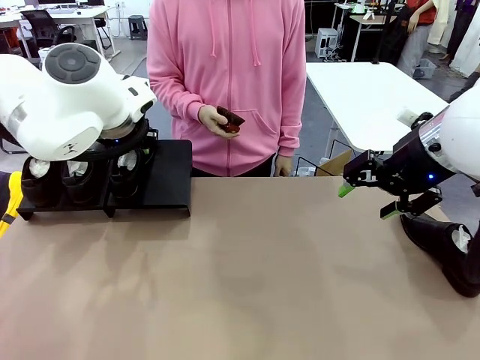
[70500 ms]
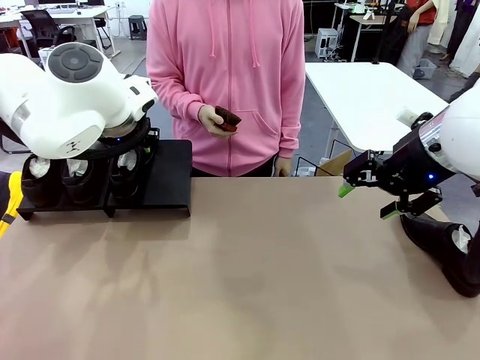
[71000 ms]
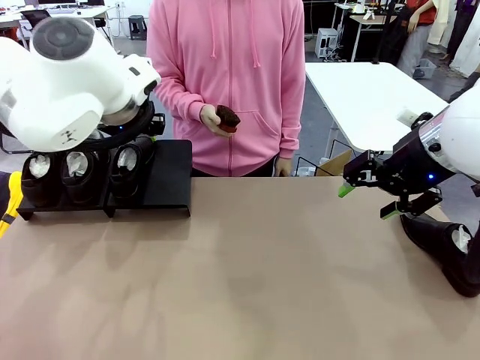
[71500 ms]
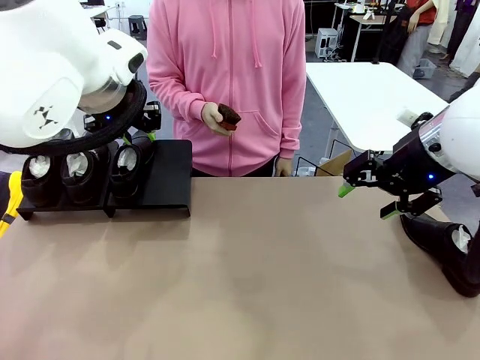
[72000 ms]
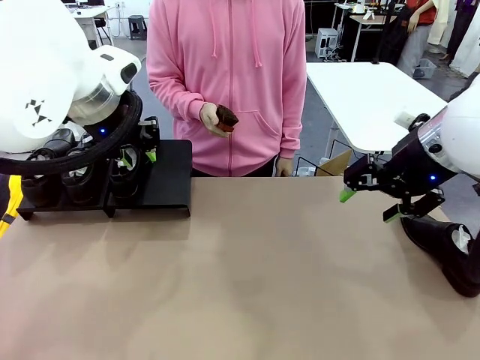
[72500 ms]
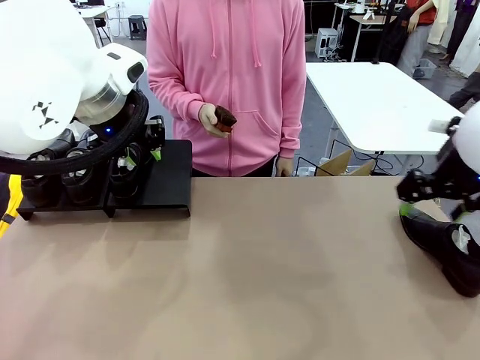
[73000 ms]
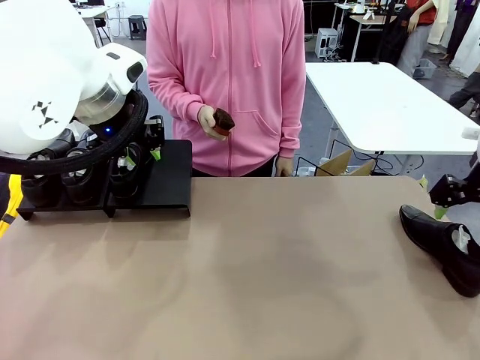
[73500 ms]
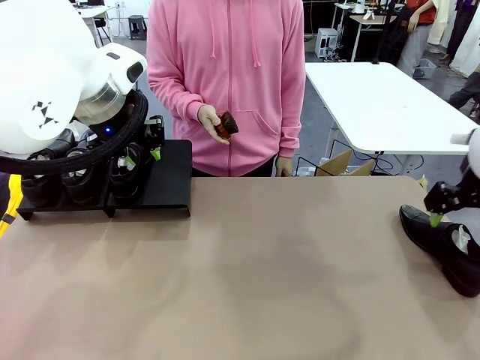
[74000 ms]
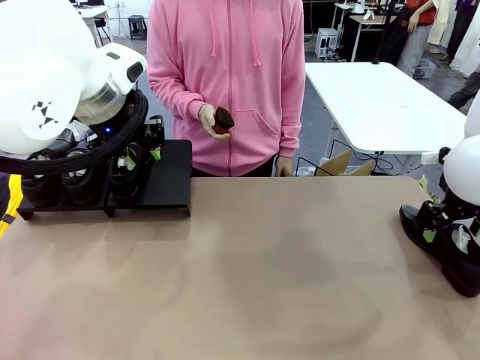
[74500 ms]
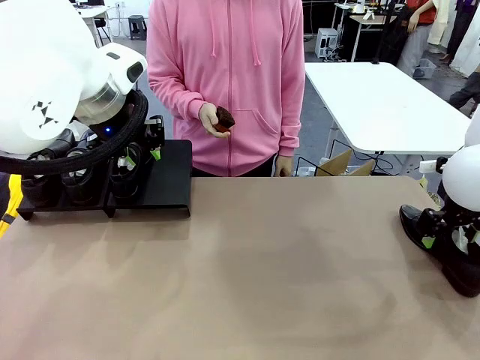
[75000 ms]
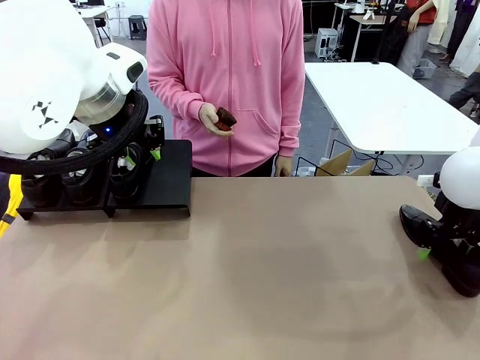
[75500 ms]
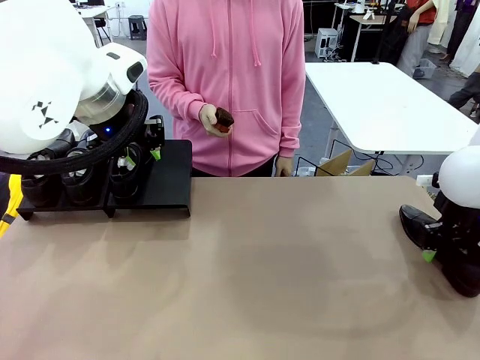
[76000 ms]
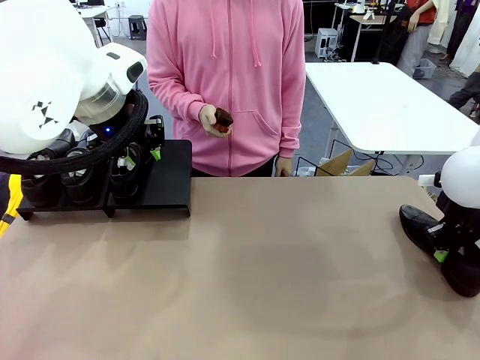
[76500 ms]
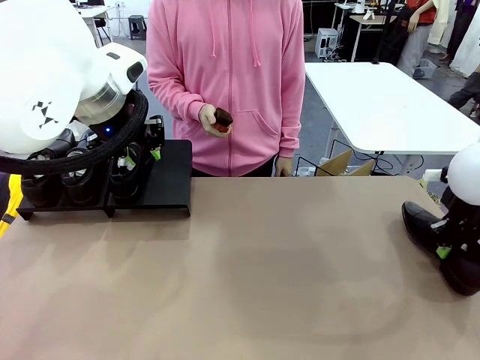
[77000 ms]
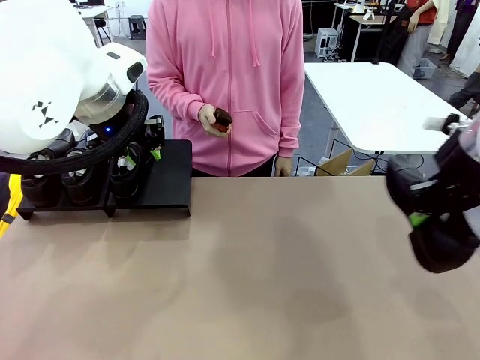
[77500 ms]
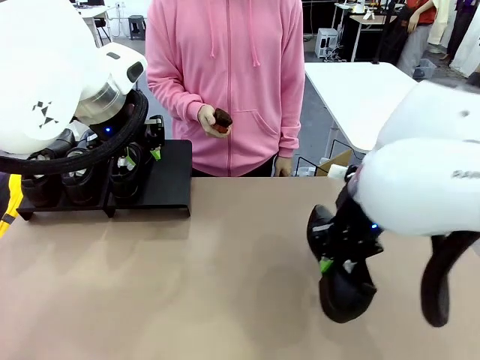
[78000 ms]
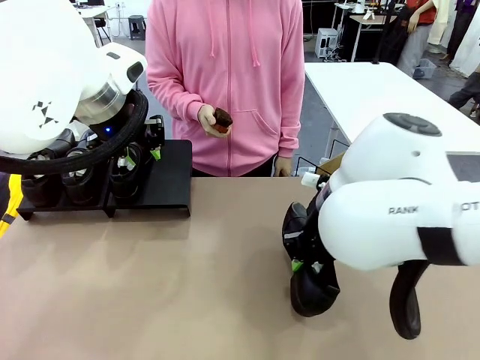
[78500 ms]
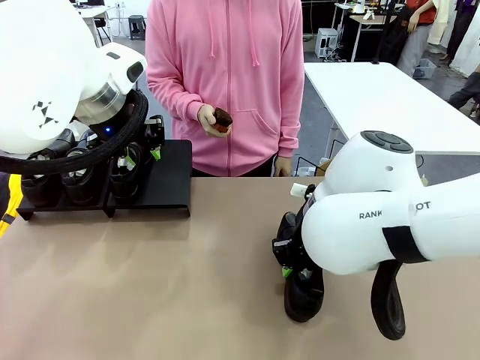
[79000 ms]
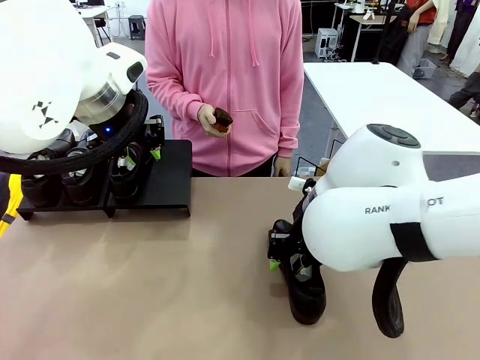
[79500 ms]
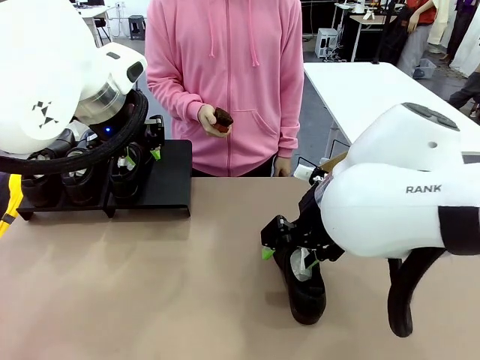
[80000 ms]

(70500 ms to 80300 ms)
Task: Organize the shoes by placing them on the stand.
Robot: Pick up one Shoe and place it in the middle of the table.

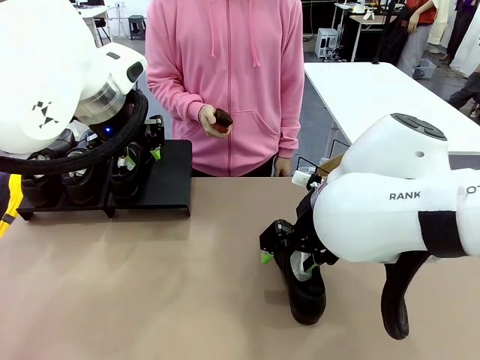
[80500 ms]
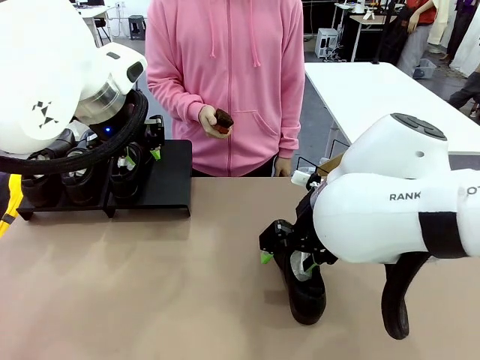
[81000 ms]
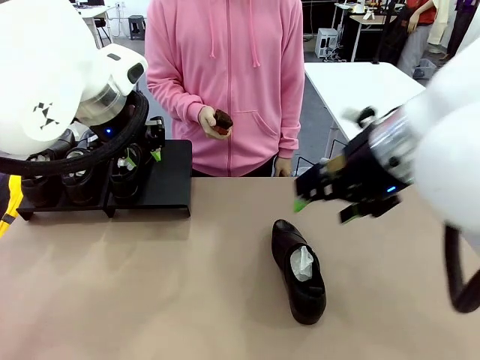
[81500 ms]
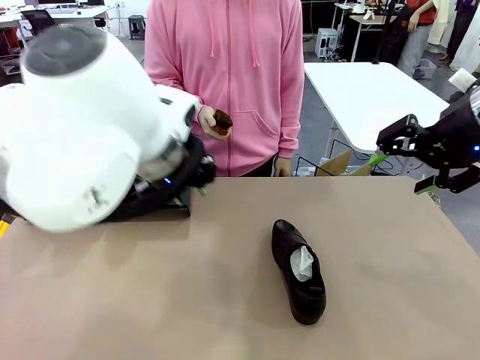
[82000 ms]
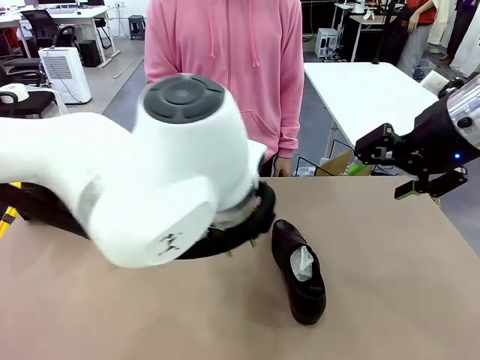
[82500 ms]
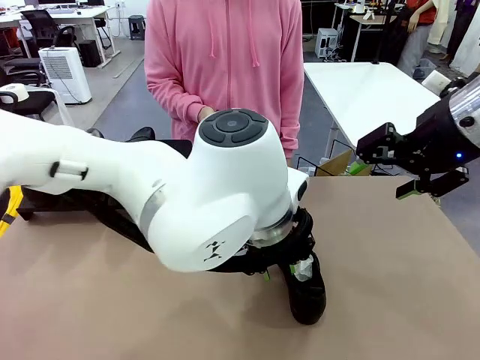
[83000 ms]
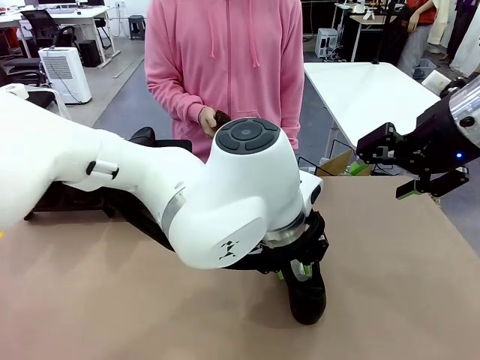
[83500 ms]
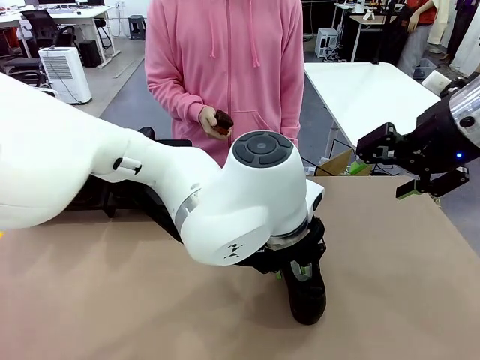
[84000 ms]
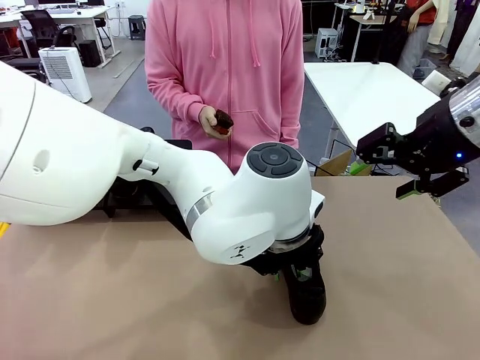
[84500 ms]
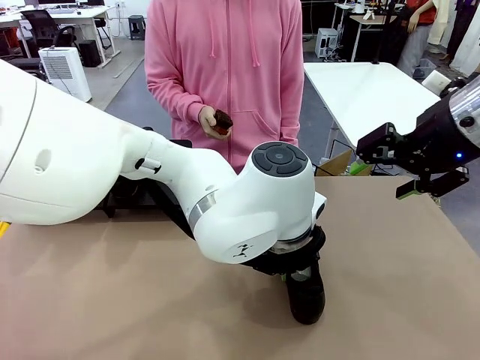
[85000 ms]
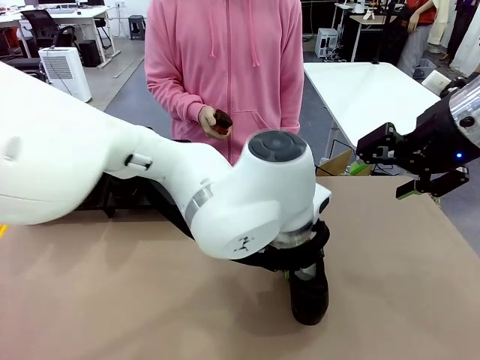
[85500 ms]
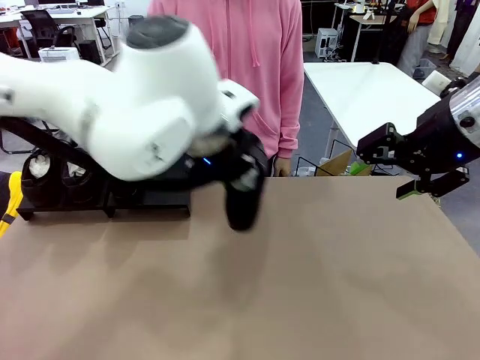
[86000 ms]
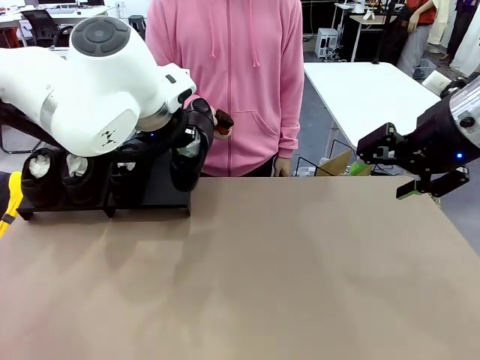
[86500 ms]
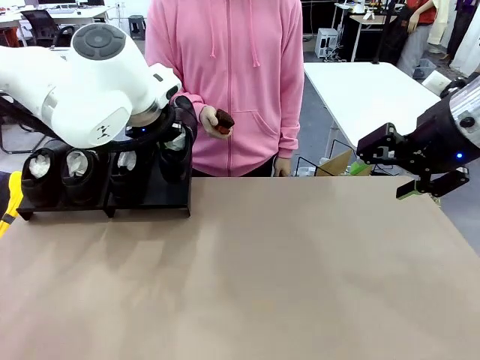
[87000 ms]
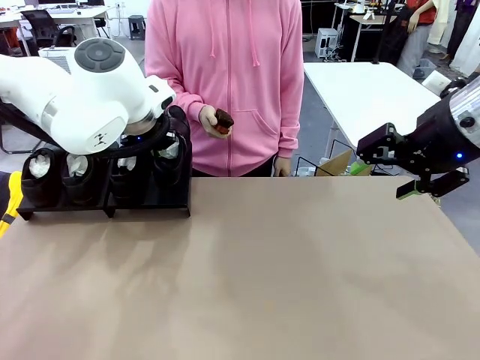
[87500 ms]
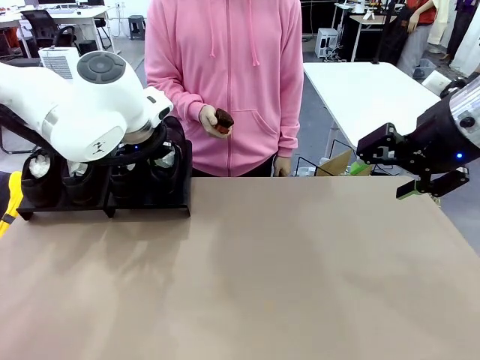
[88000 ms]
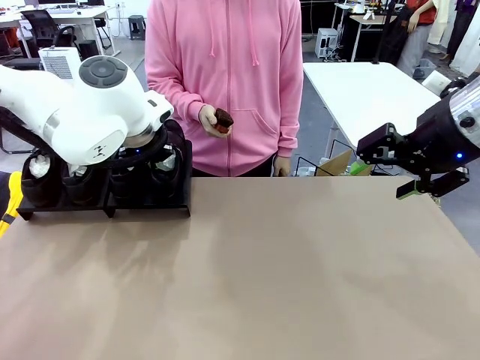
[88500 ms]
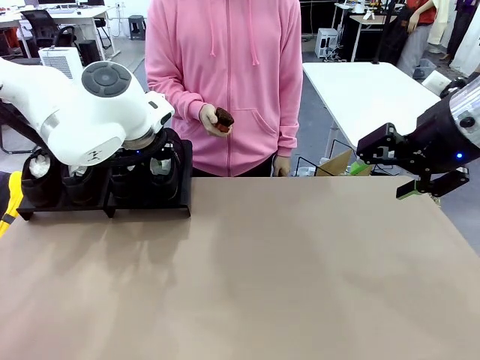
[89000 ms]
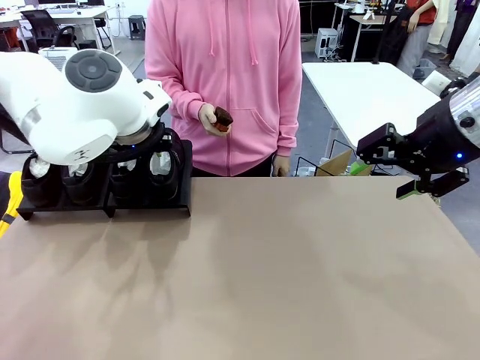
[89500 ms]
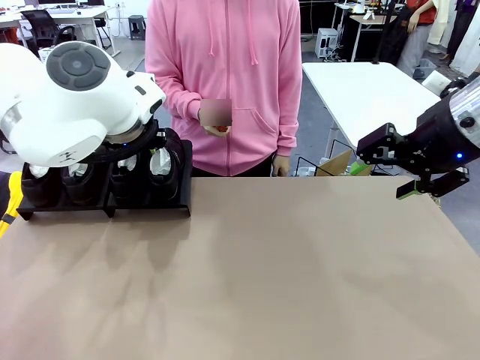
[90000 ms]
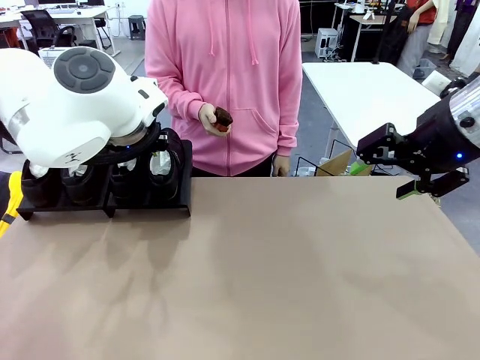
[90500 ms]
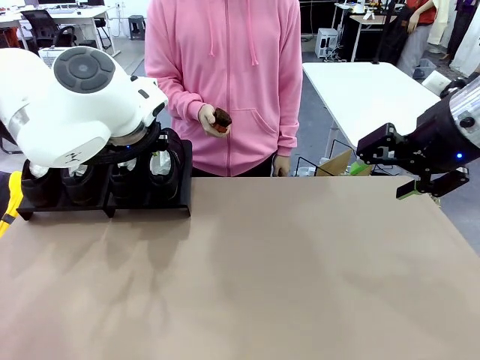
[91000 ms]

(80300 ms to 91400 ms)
Robot: Place the Shoe from the middle of the table onto the Shoes Stand.

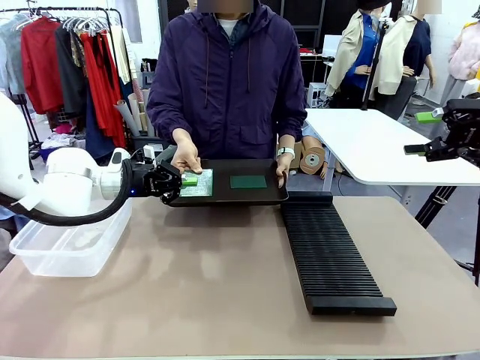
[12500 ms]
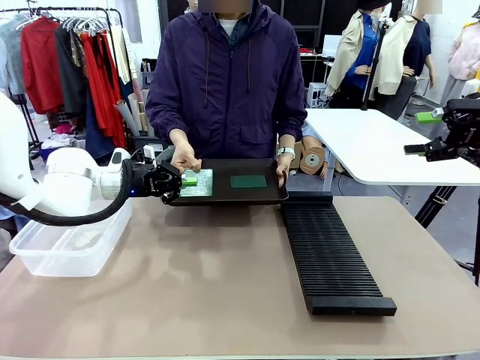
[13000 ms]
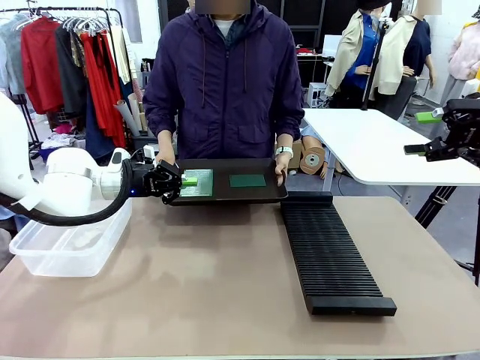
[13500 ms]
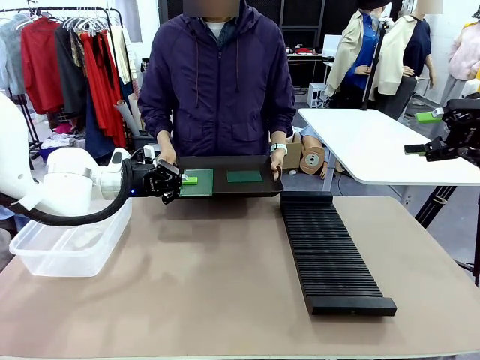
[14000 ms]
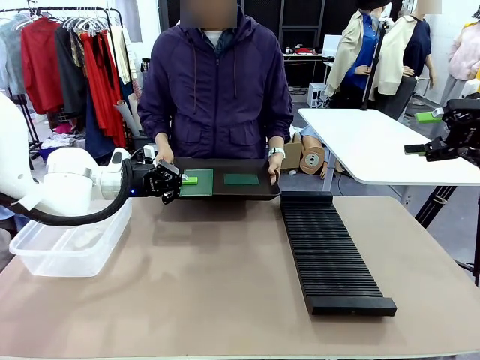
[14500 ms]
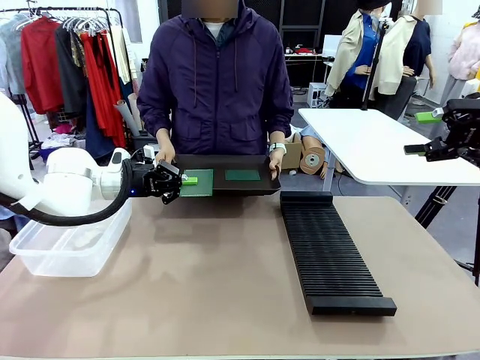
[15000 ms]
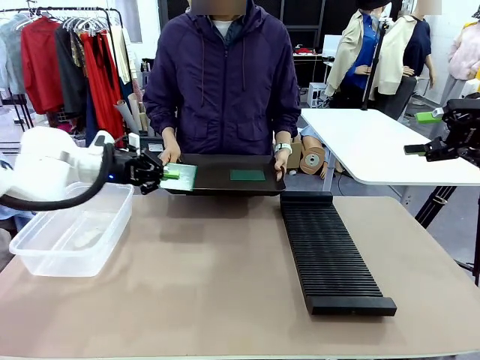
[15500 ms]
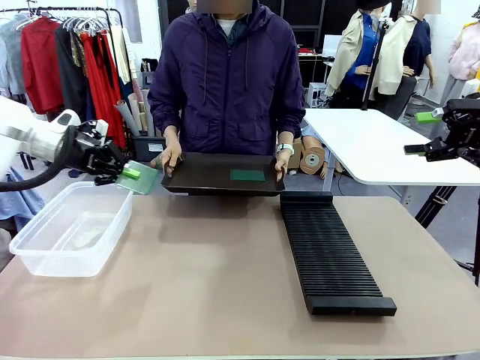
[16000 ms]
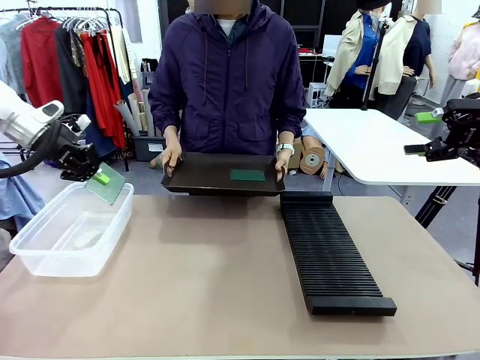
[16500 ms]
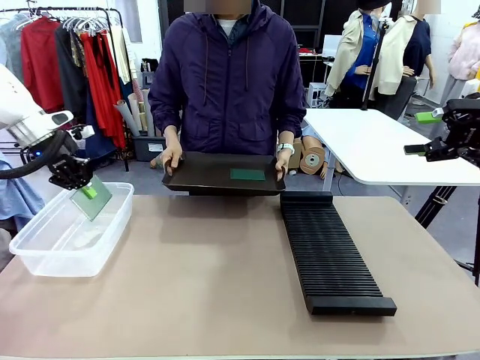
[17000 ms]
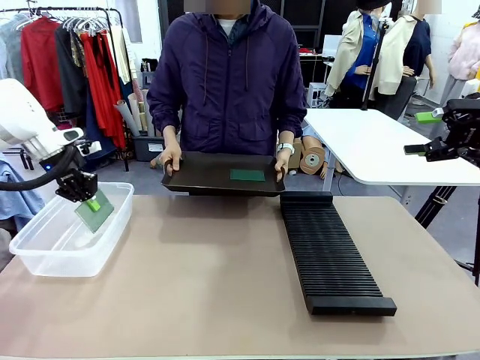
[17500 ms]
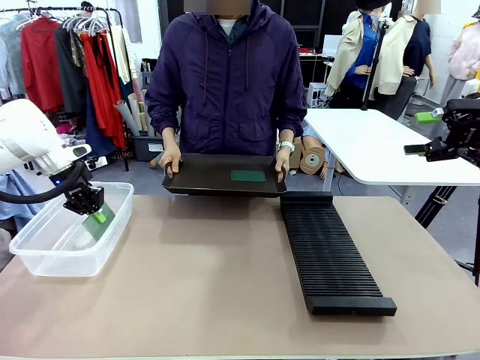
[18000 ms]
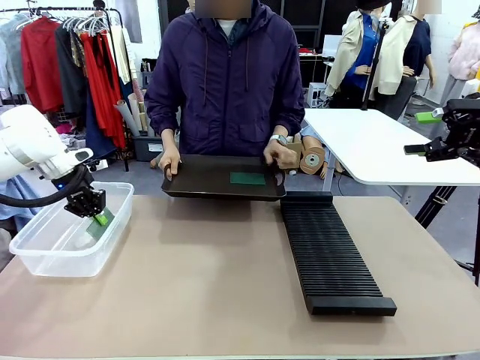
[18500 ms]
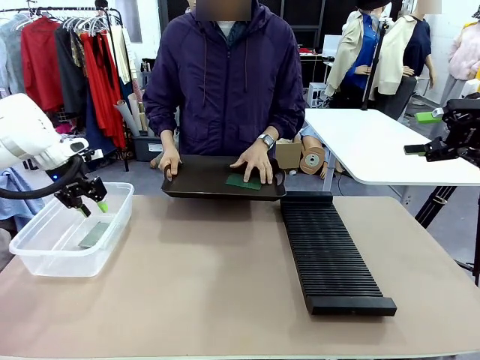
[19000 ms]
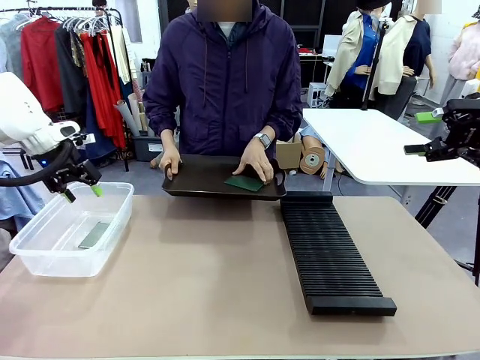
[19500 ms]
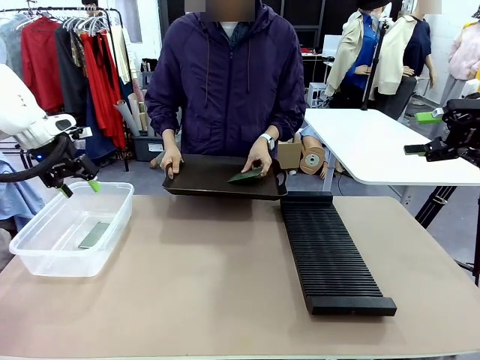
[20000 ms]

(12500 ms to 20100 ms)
Task: Sort PCBs into racks and boxes based on the side picked up.
Robot: If the short side of the Blank PCB is picked up, insert it into the PCB Rack ; if the long side is picked up, place it in the Organizing box.
Person: Pick one PCB from the tray and present it to the robot.
